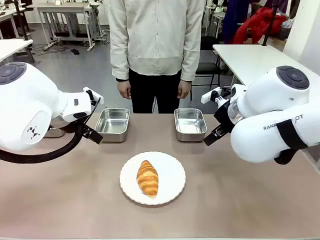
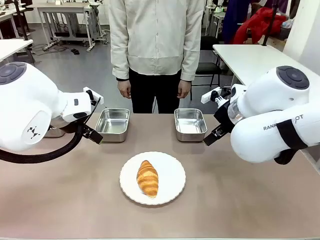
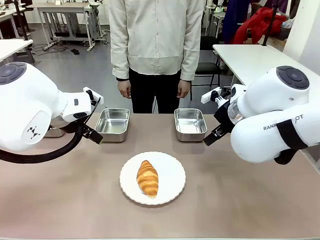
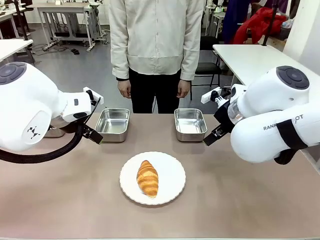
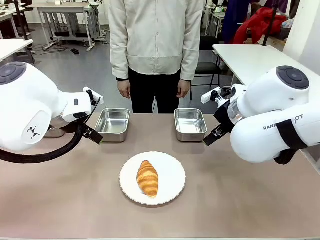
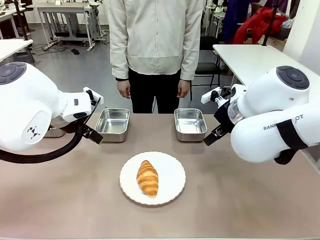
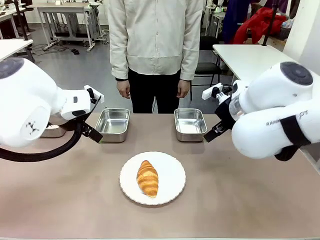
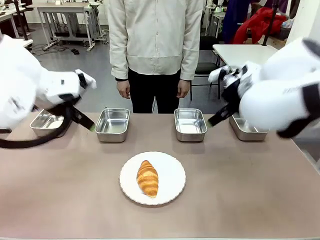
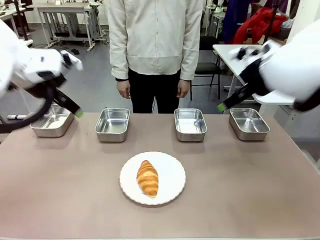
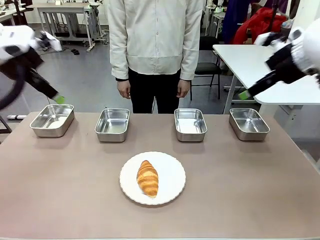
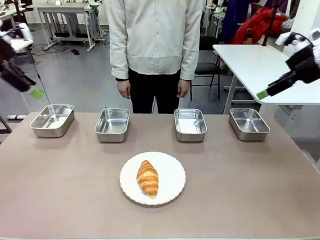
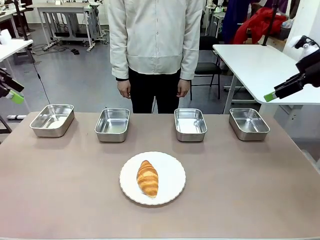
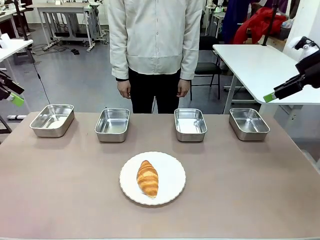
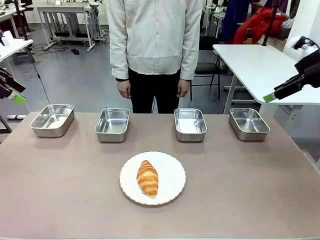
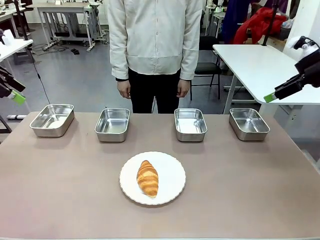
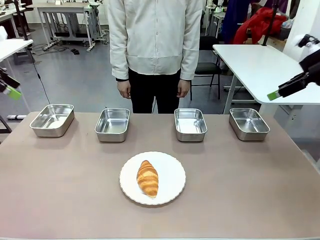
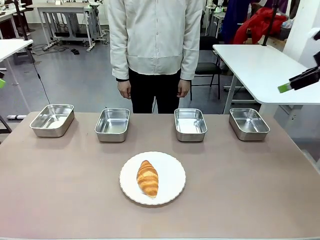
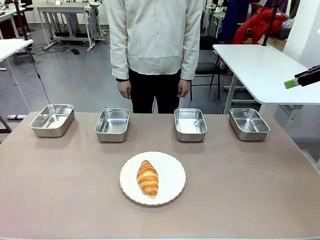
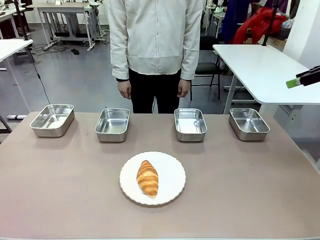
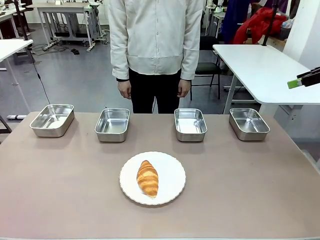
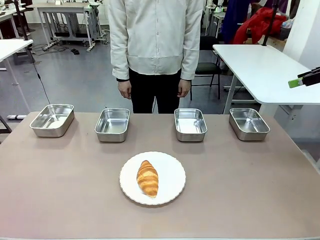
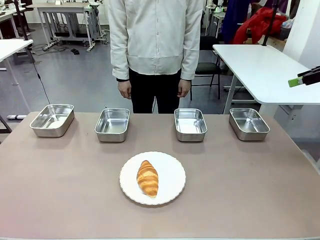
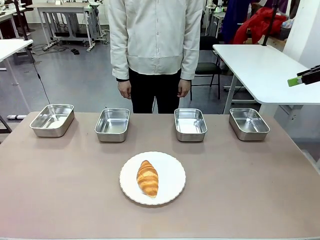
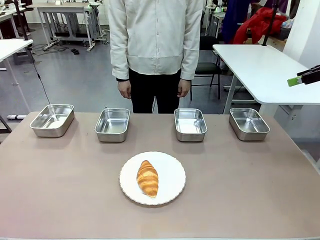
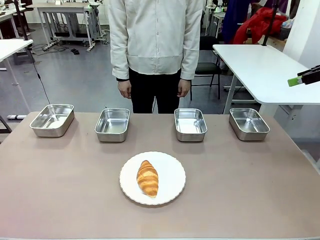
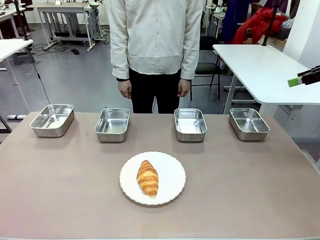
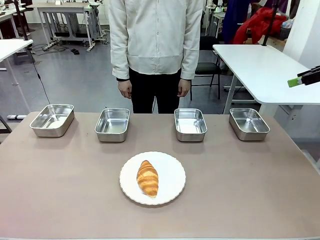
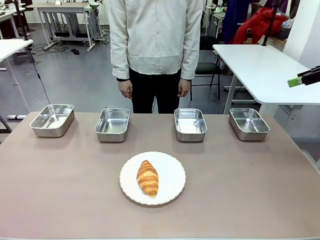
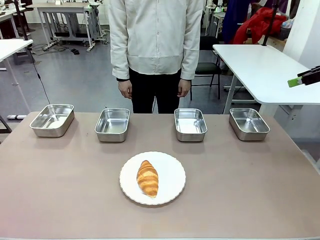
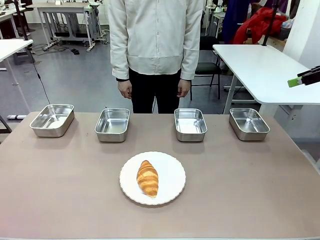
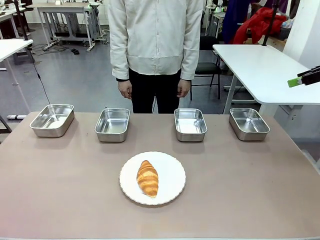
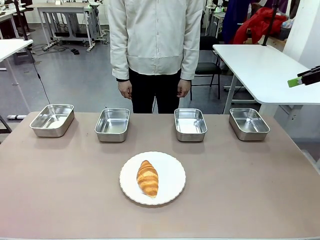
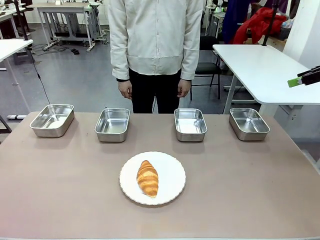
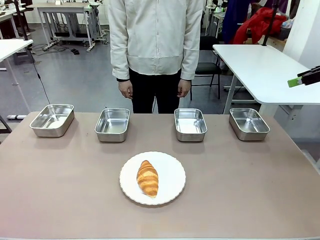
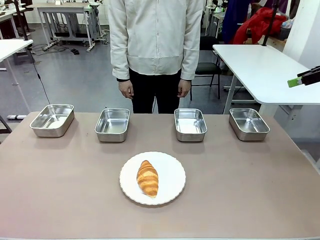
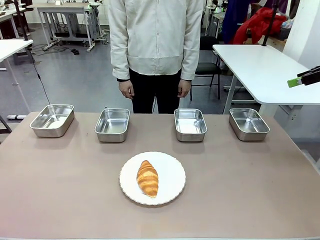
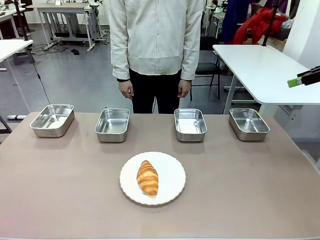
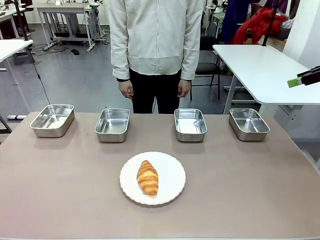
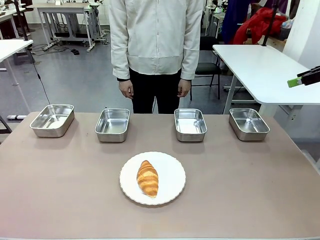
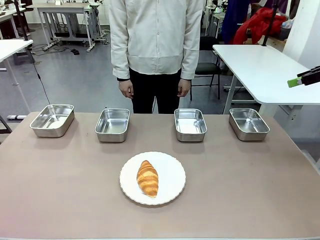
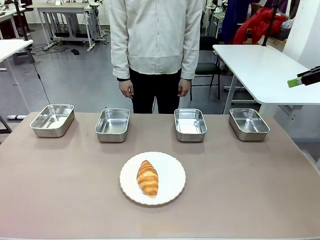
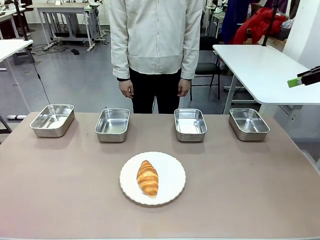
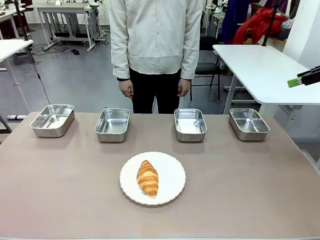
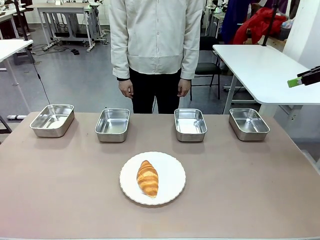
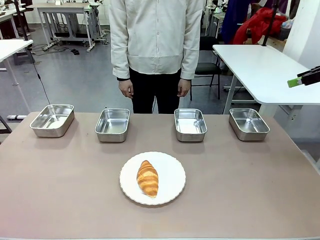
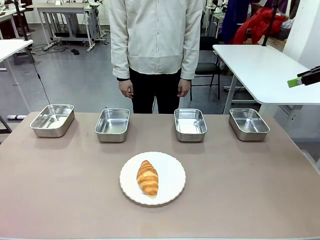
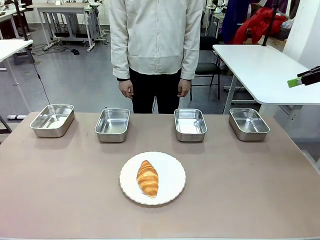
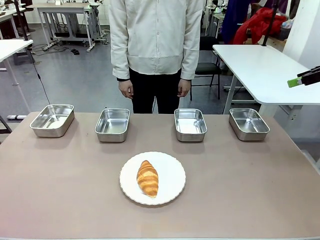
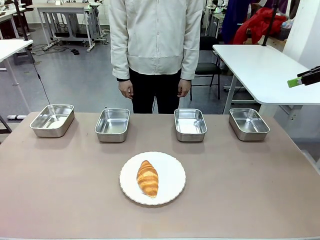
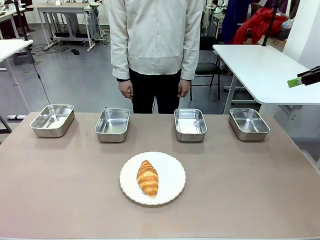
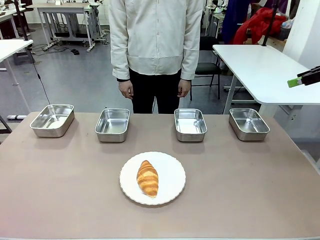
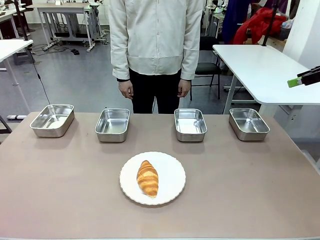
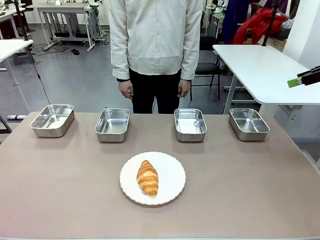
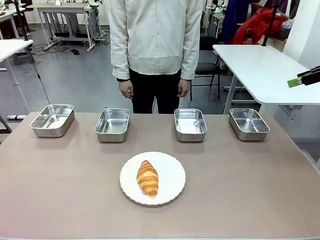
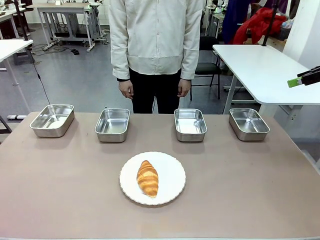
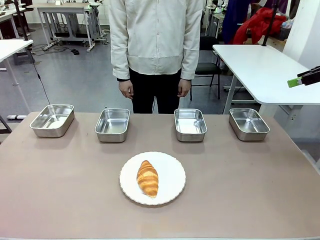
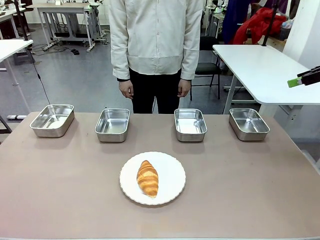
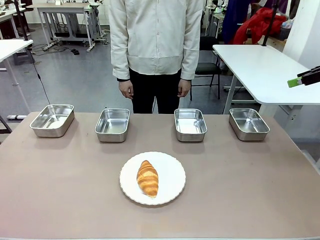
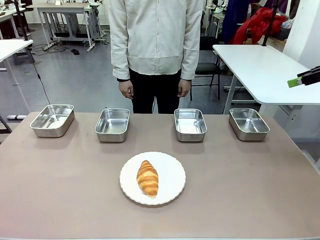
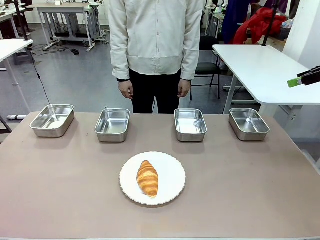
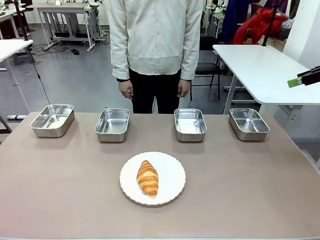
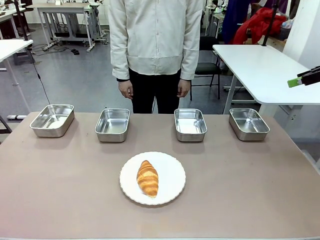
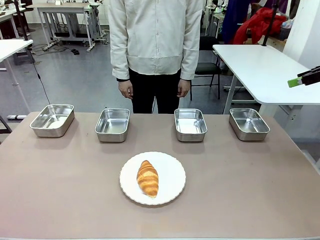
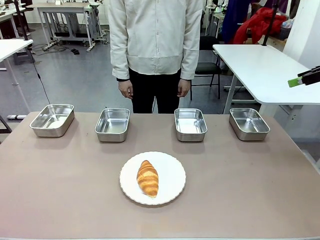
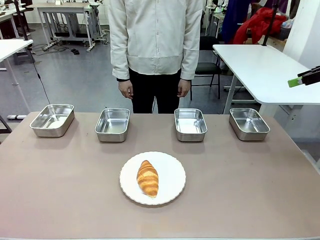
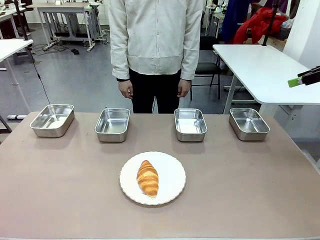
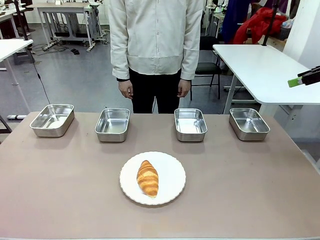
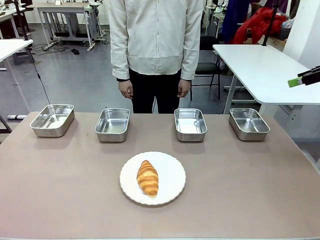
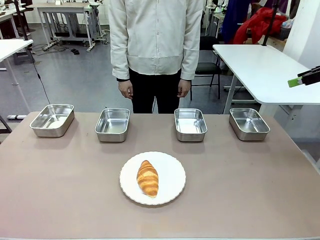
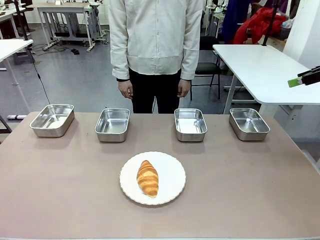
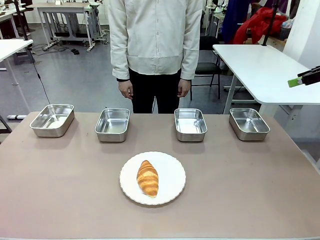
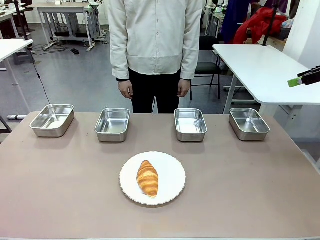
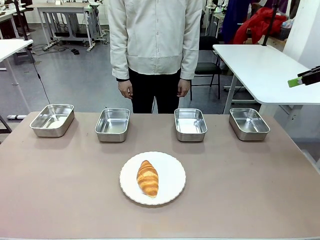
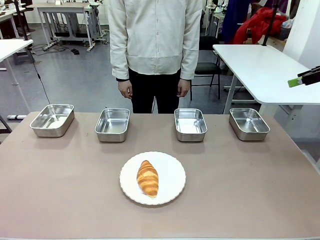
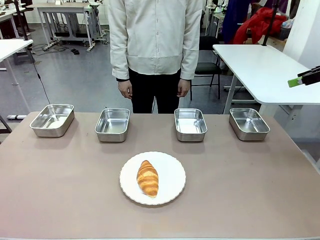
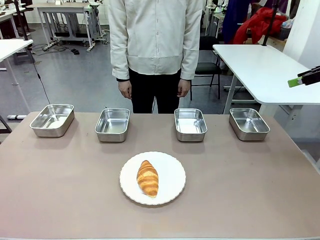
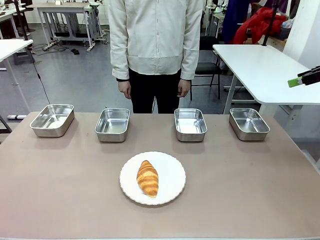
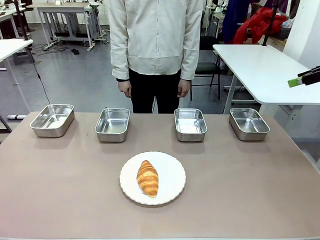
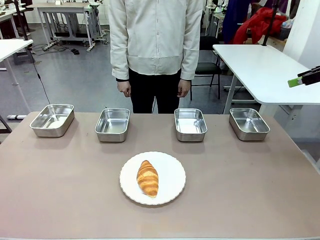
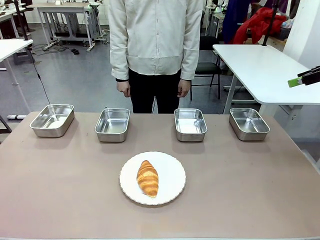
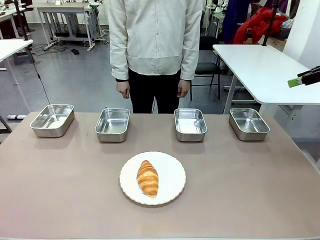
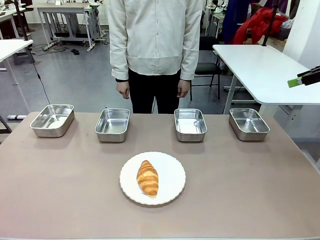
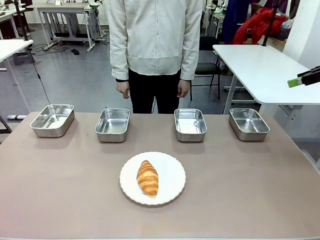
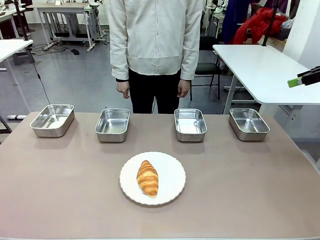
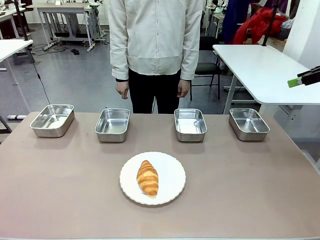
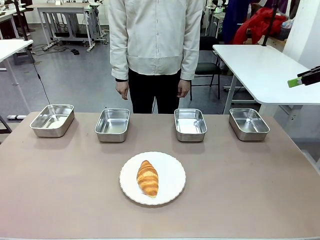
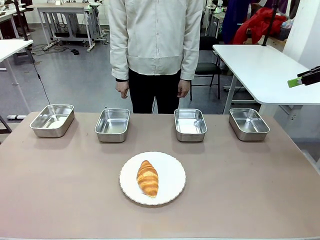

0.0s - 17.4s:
Task: Place the bread in the container.
Robot: Place the Butter Roll into the Airtight Container indicated by the human.

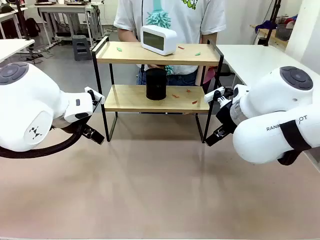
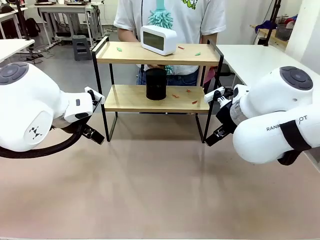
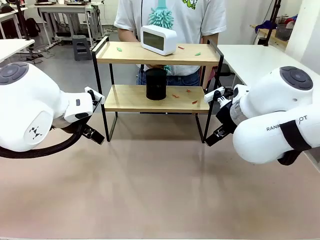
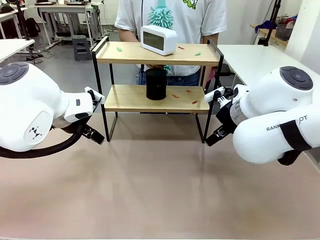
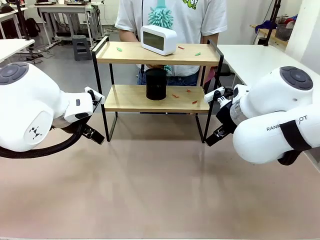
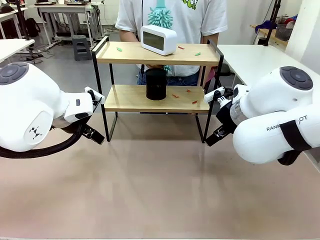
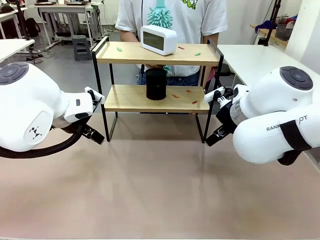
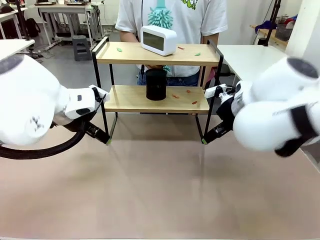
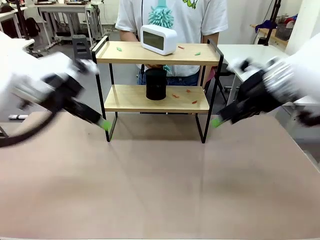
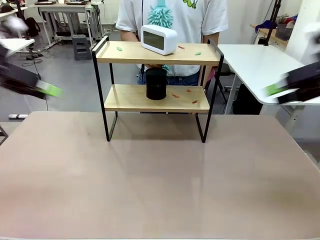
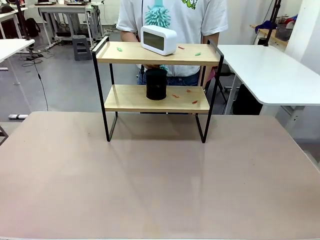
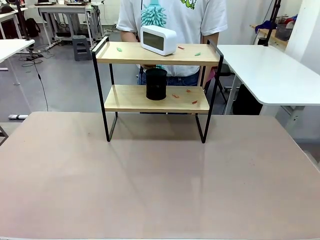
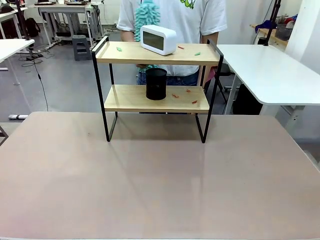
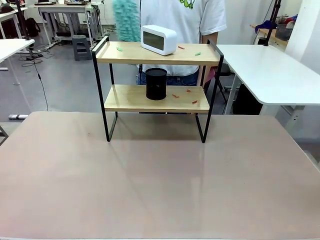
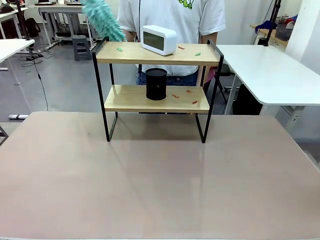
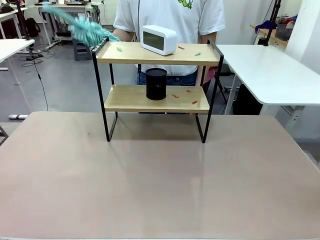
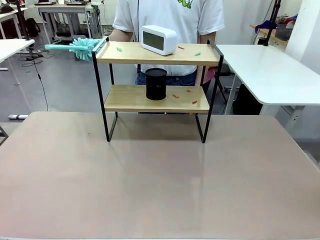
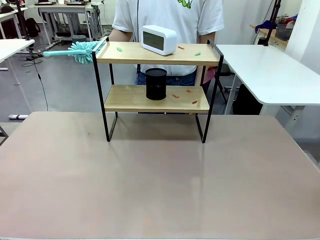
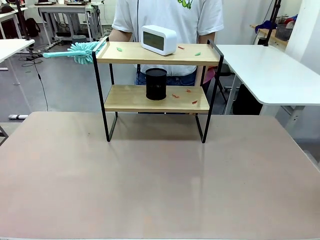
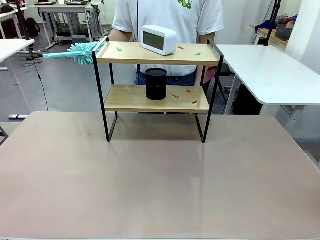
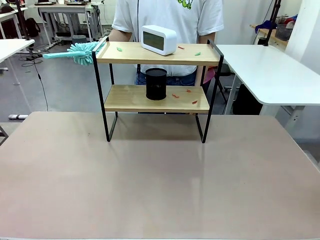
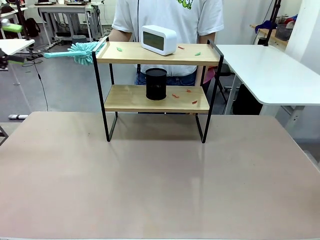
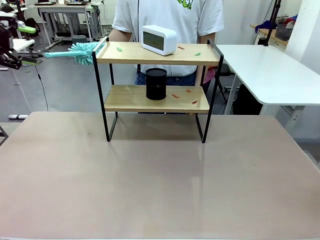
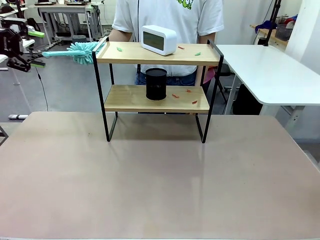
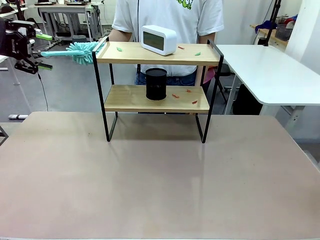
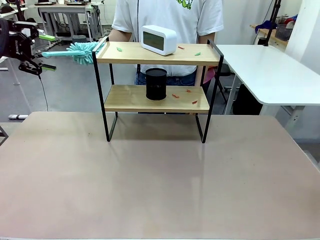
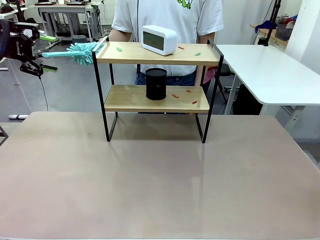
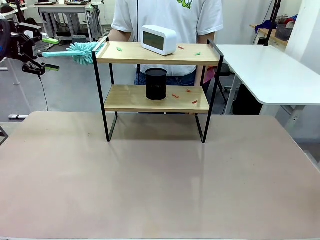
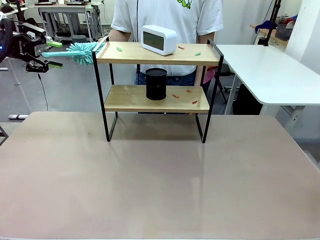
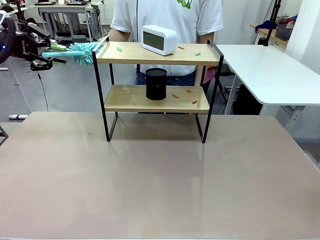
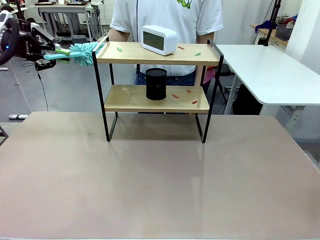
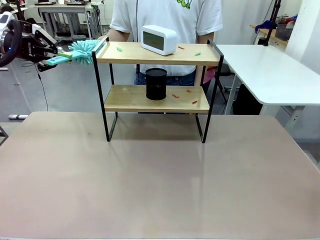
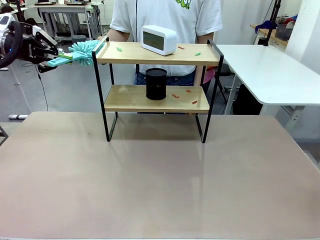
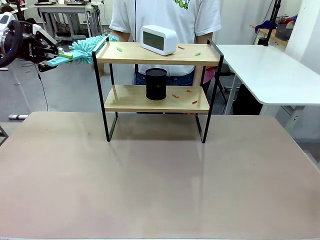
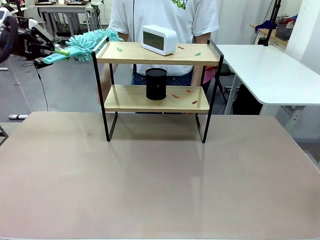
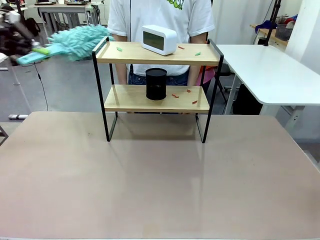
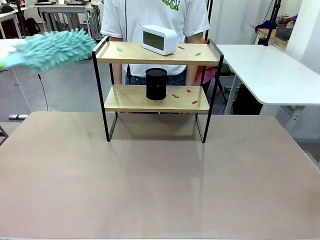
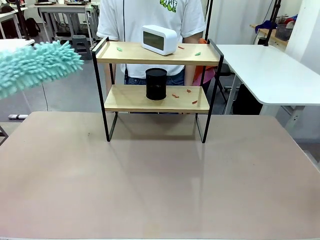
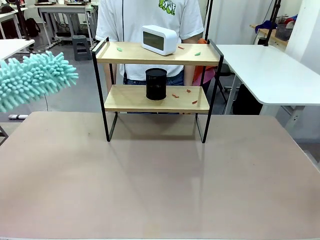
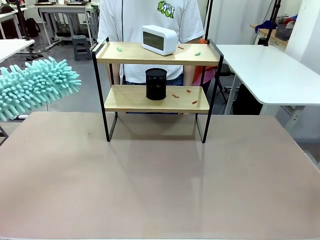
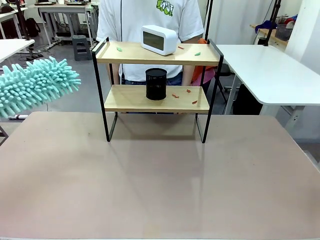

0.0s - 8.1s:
Task: Clean the shelf.
Robot: Pick up the Duster from the human.
Person: Hand the Duster to the robot.
